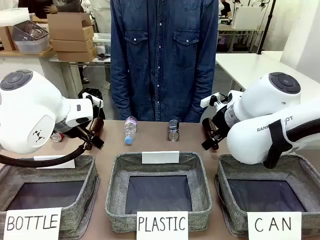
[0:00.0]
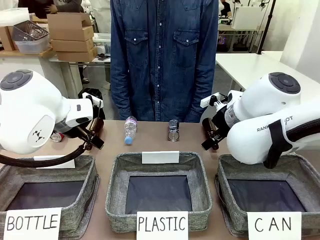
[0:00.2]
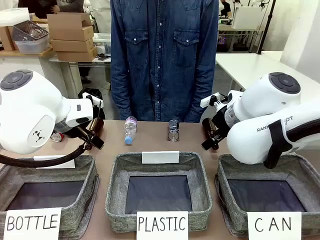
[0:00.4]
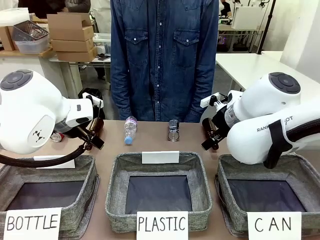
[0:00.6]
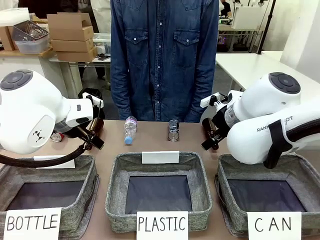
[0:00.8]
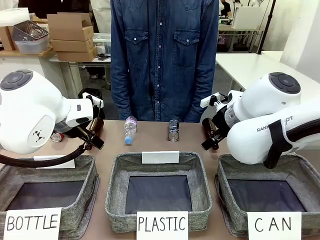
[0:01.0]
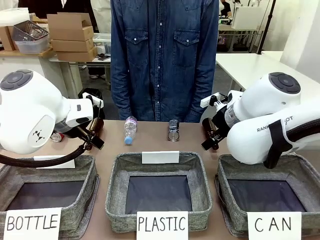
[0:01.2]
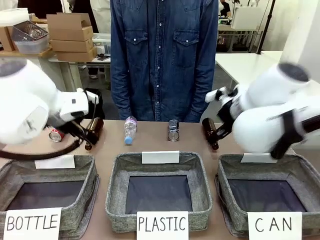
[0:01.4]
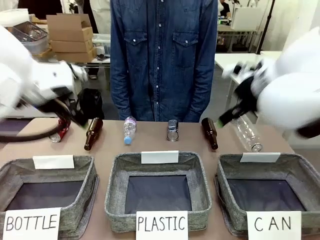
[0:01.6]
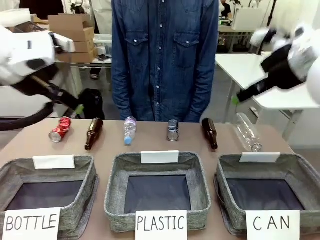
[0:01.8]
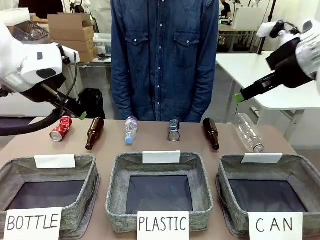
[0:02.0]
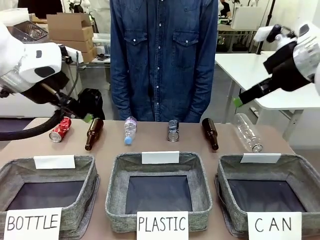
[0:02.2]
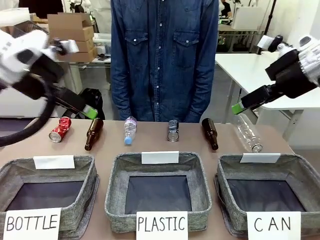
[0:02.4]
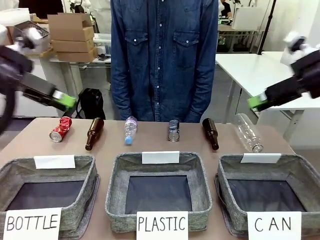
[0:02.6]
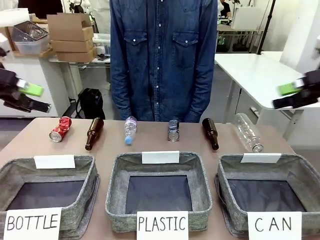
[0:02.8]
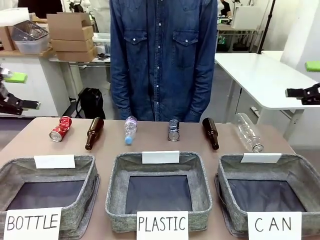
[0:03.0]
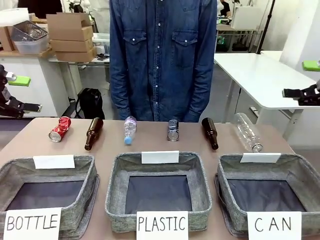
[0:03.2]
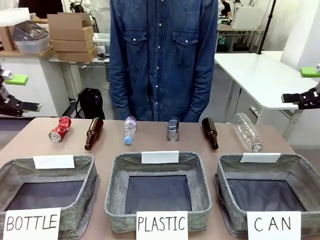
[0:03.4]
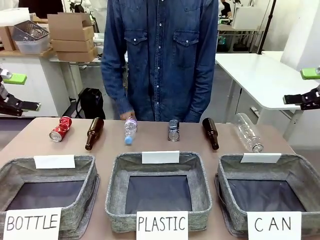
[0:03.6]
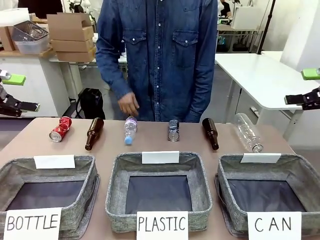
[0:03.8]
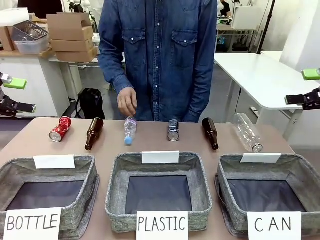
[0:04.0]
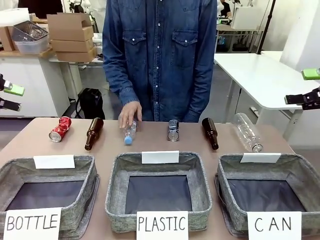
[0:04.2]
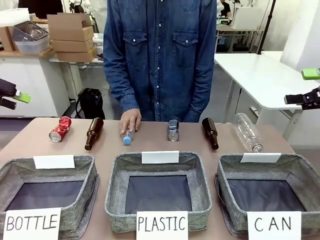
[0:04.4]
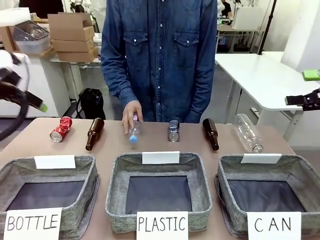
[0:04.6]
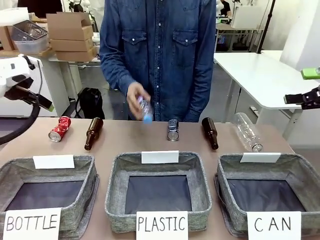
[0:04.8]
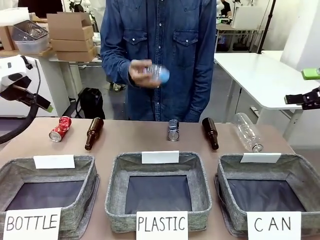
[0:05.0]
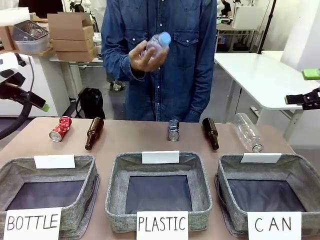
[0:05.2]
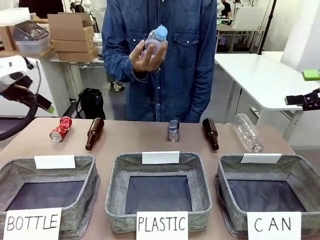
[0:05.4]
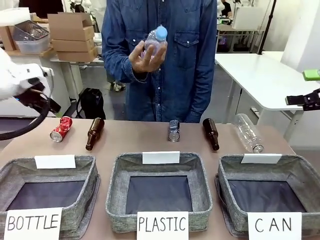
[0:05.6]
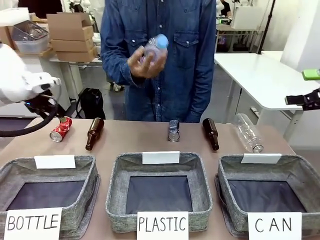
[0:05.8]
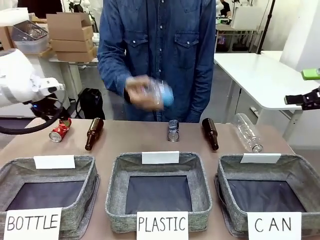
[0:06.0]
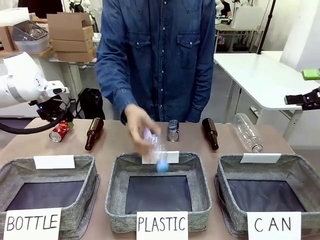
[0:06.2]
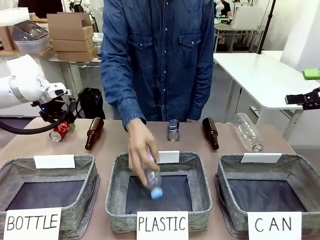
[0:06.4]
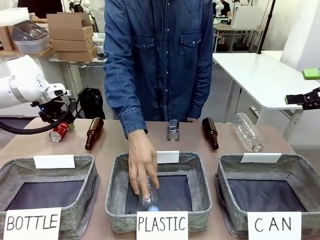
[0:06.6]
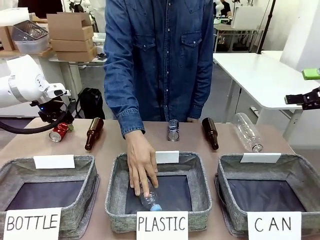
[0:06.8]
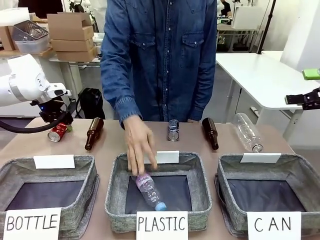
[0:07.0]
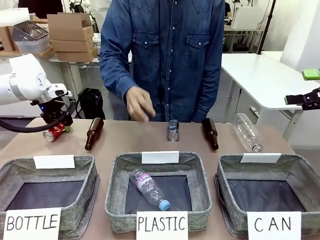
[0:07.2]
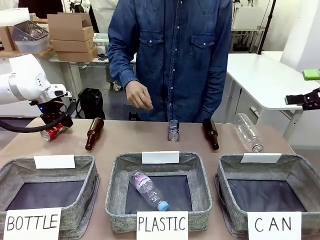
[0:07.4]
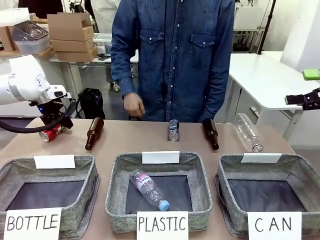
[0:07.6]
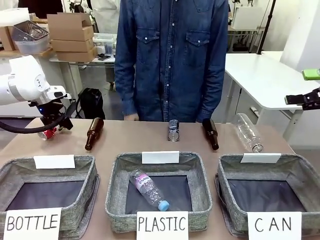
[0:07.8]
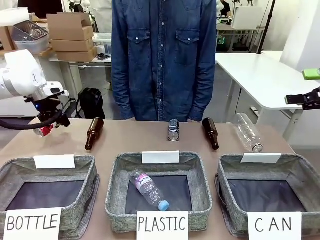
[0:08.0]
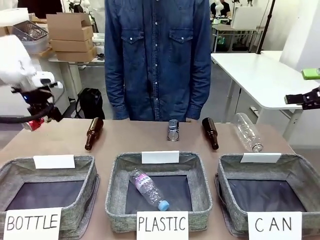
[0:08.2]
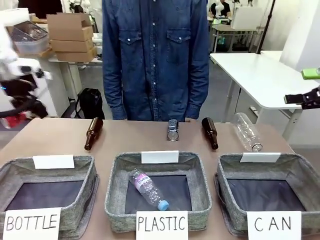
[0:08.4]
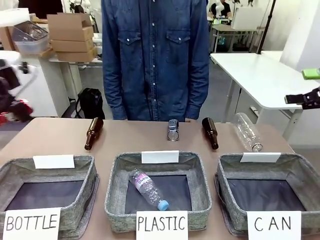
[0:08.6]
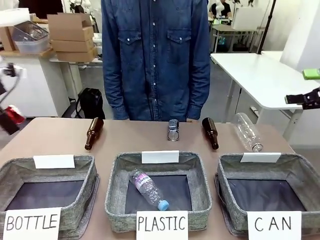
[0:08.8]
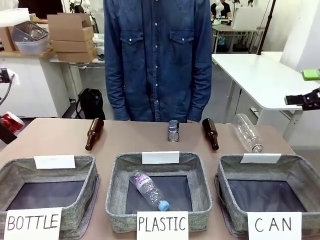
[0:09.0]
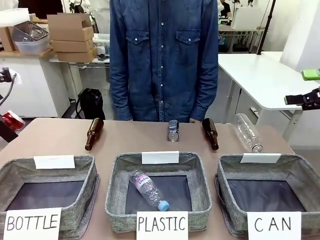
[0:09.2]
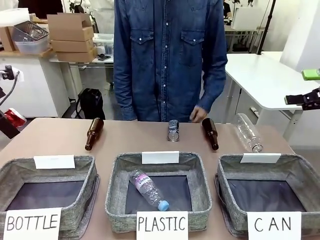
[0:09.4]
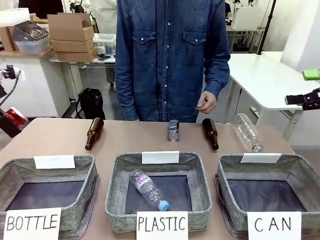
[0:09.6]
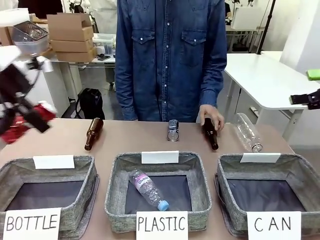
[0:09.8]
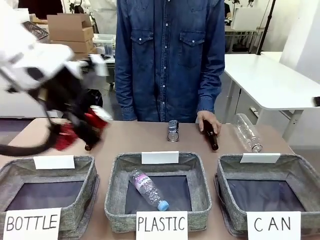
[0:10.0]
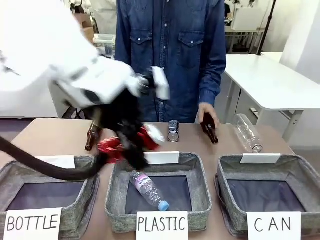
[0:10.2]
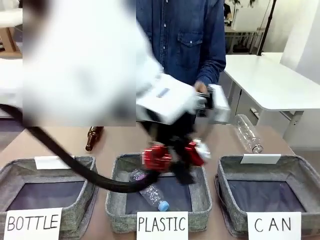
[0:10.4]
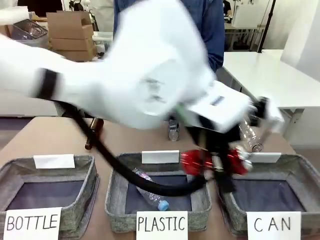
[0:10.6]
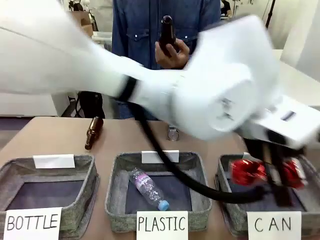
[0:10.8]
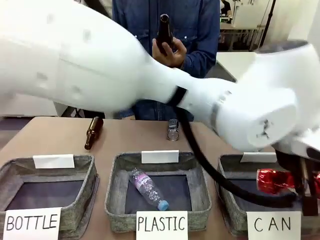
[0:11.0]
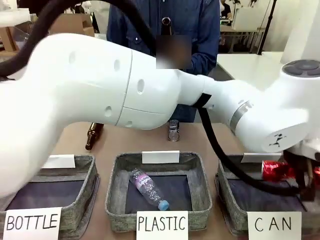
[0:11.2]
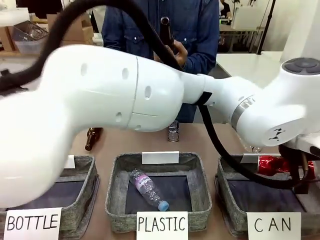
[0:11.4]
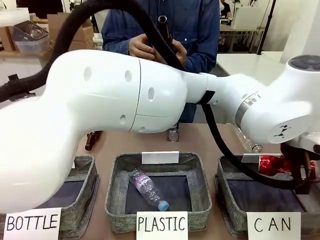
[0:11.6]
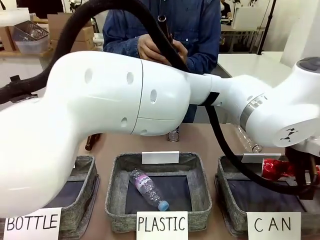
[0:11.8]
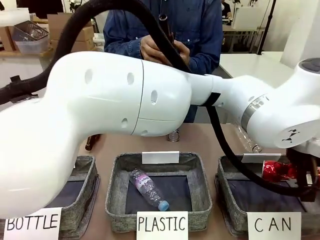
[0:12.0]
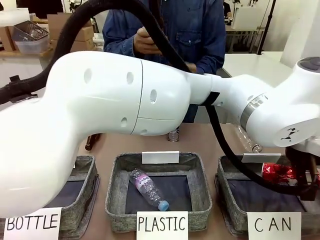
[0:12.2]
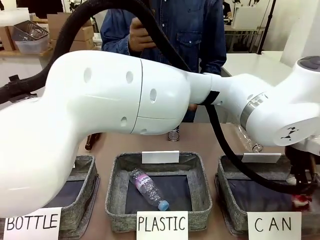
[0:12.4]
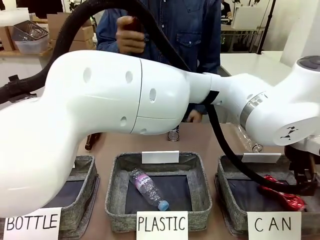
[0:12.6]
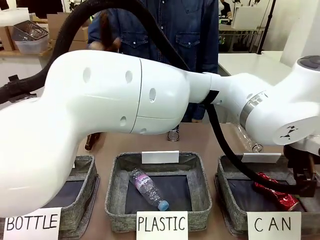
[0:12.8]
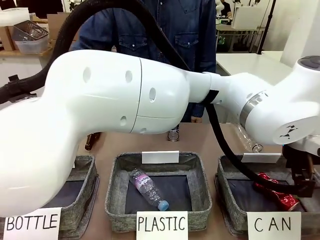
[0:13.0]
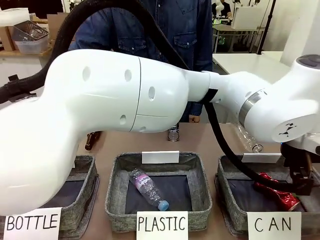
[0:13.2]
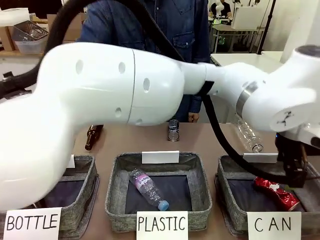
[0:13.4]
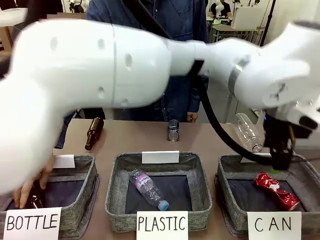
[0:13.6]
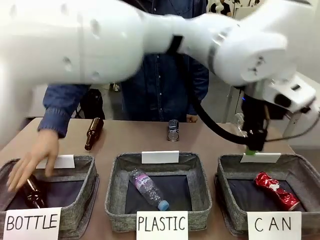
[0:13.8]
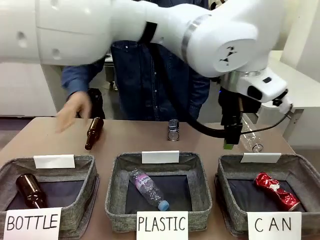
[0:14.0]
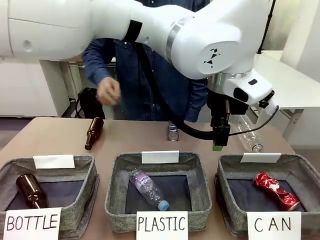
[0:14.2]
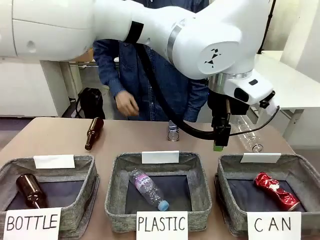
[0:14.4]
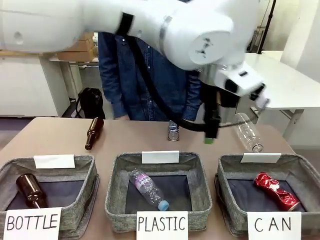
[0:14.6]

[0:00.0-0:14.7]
Task: Sort the can waste into the basket.
Robot: Pick up the can waste from the table and place it in the right Fabric basket.
